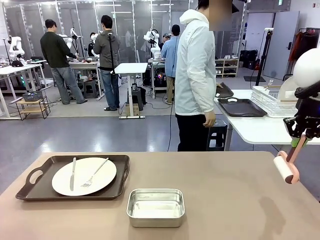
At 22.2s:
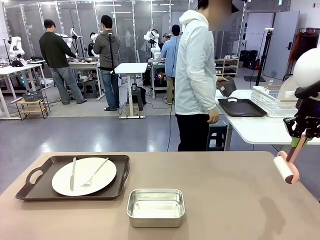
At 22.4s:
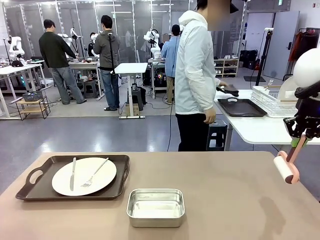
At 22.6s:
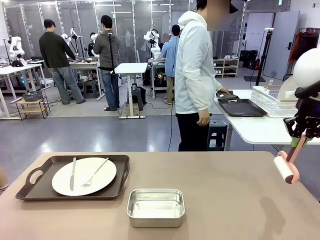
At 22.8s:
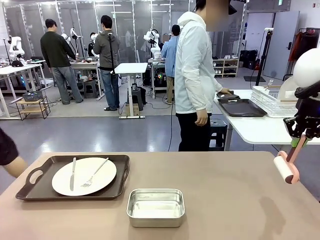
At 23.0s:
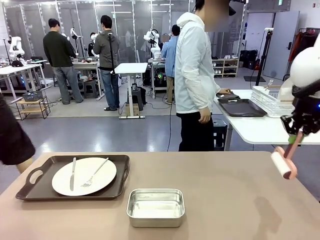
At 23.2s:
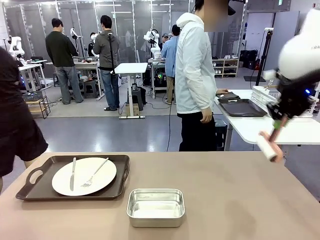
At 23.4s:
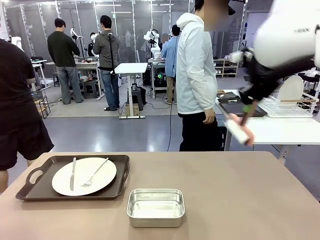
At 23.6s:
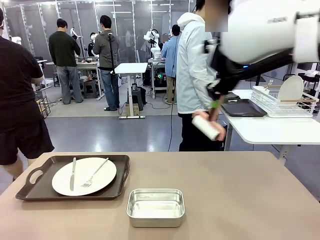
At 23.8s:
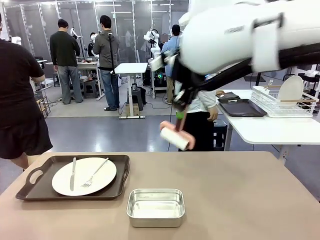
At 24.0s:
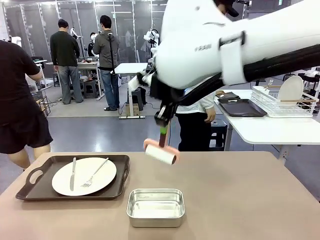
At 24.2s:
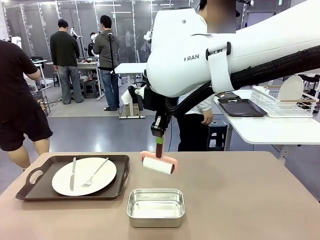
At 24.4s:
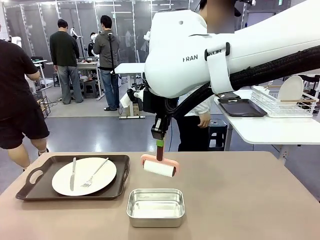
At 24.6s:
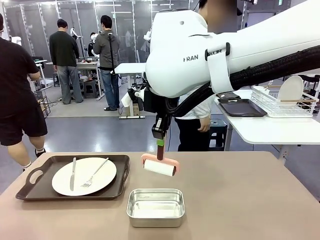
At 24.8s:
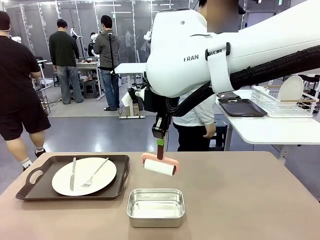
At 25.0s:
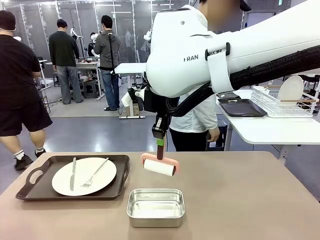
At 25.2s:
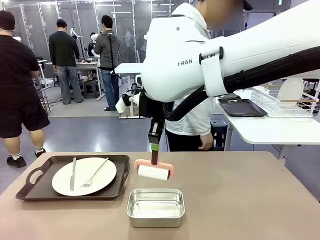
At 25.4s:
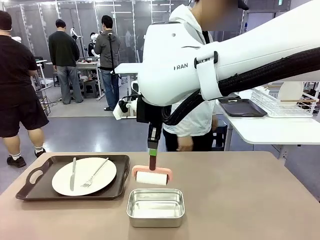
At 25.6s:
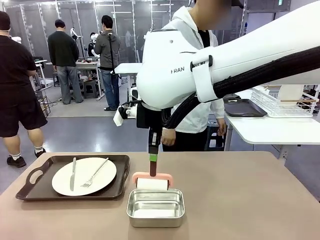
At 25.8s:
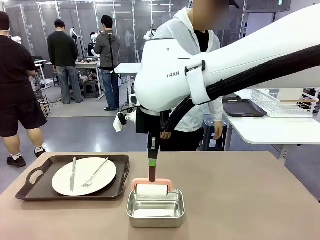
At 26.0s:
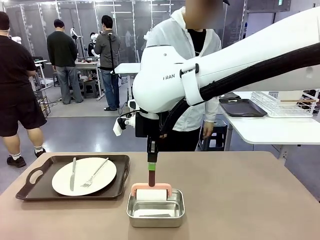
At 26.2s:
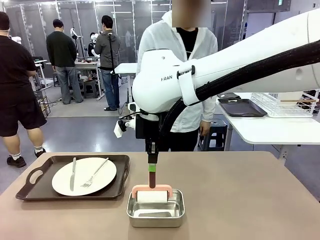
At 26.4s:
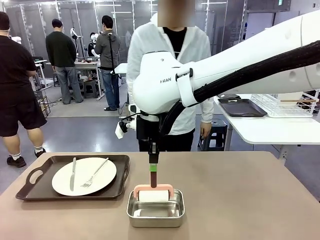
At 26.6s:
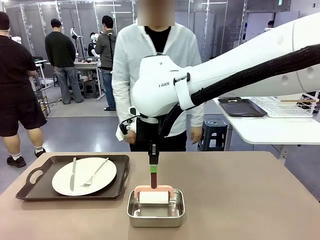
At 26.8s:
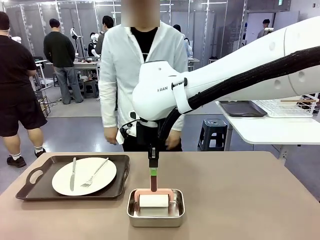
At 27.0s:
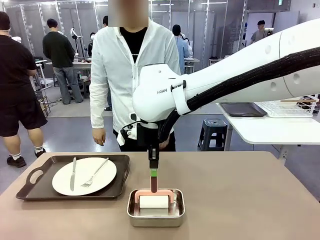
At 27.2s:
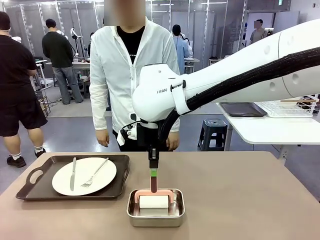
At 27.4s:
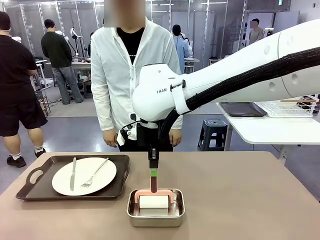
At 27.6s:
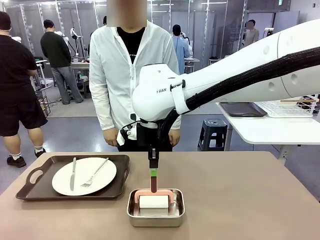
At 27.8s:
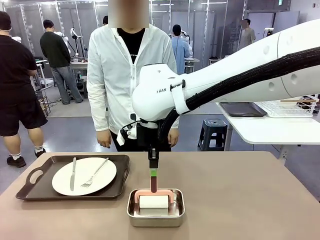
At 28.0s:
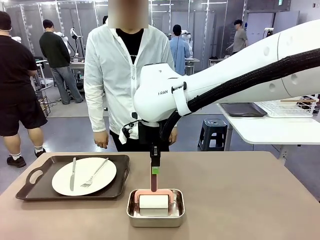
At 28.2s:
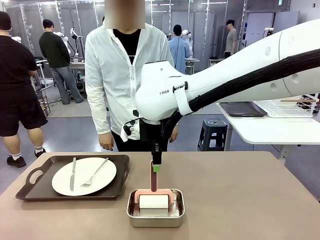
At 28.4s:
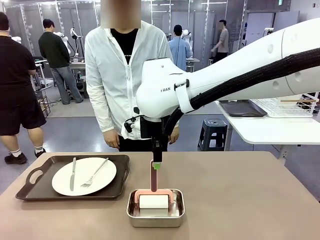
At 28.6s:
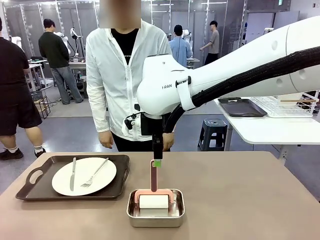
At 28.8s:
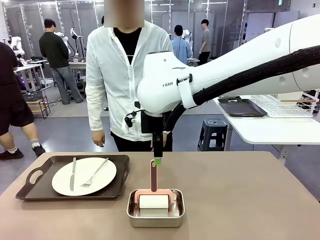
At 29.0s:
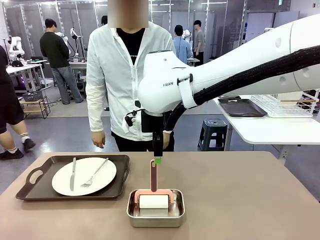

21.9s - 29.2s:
Robot: Place the Lint Roller back on top of the Airtight Container.

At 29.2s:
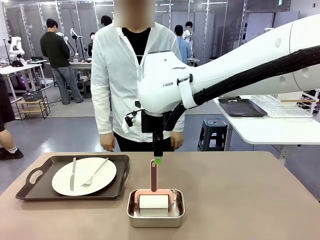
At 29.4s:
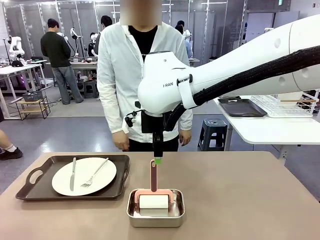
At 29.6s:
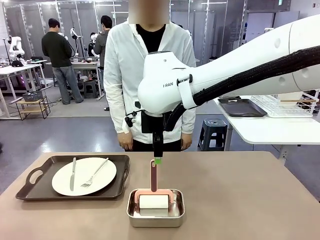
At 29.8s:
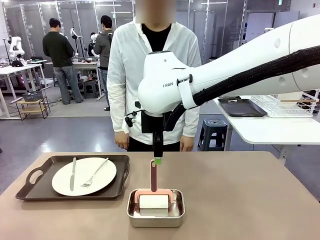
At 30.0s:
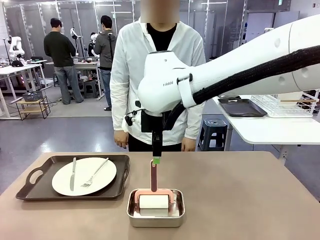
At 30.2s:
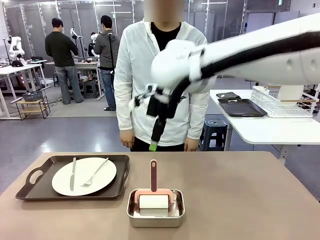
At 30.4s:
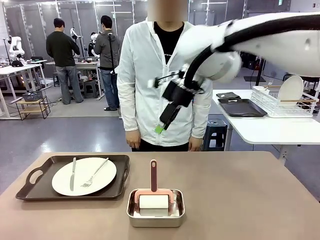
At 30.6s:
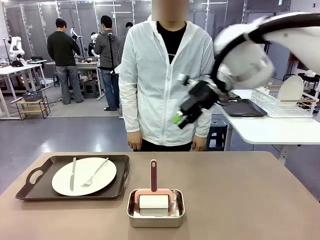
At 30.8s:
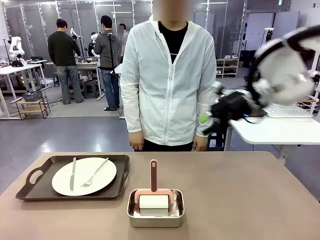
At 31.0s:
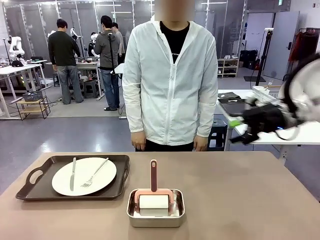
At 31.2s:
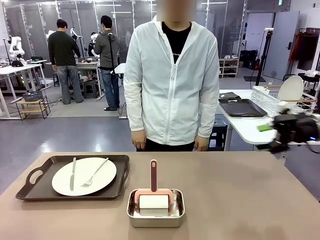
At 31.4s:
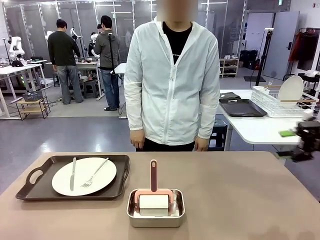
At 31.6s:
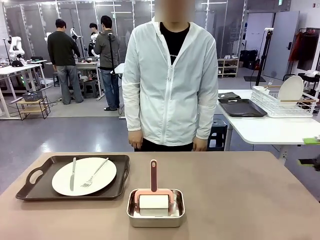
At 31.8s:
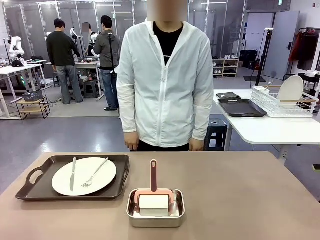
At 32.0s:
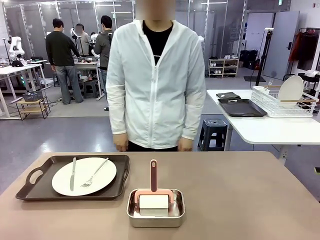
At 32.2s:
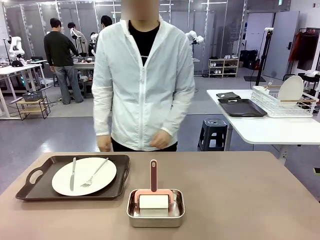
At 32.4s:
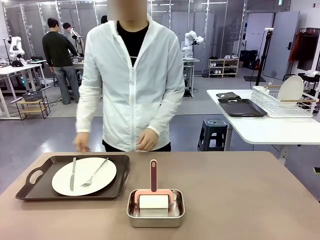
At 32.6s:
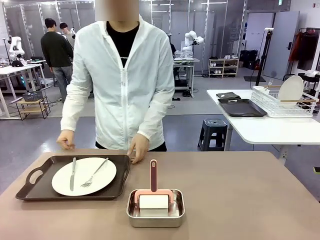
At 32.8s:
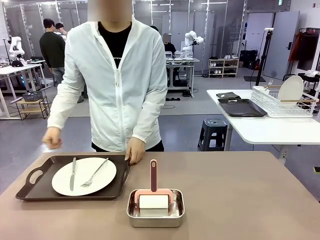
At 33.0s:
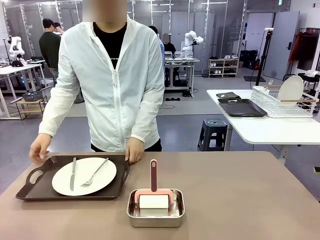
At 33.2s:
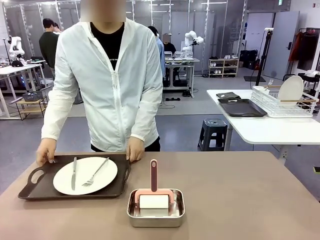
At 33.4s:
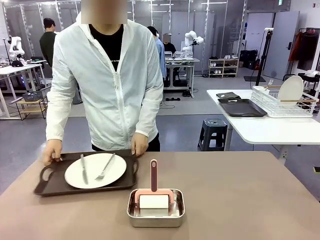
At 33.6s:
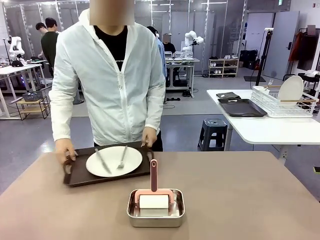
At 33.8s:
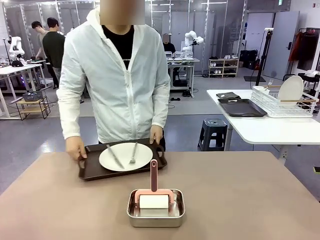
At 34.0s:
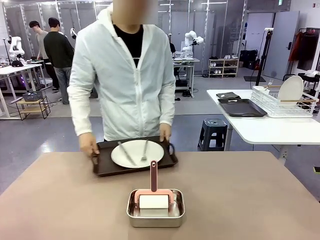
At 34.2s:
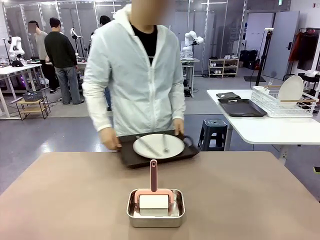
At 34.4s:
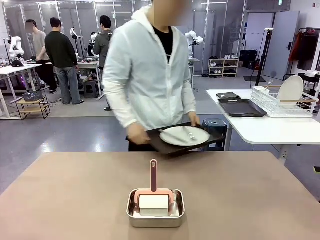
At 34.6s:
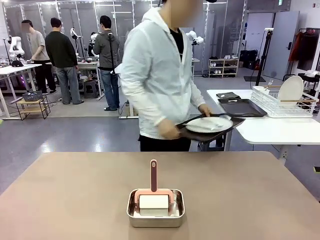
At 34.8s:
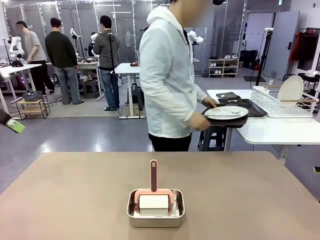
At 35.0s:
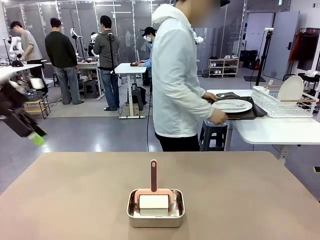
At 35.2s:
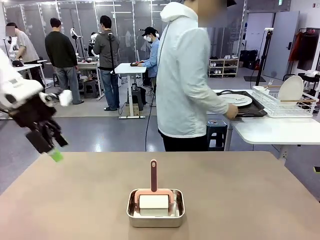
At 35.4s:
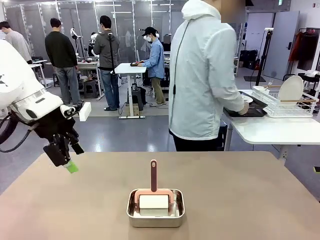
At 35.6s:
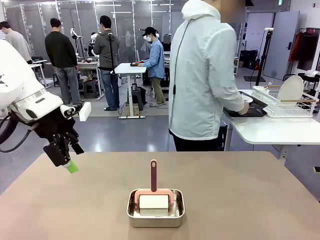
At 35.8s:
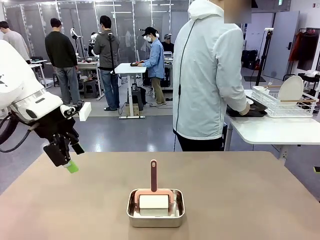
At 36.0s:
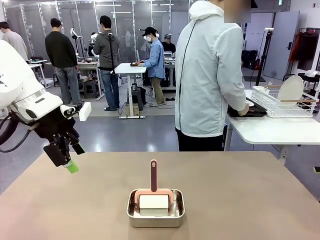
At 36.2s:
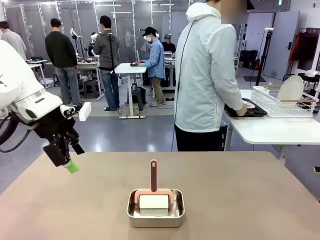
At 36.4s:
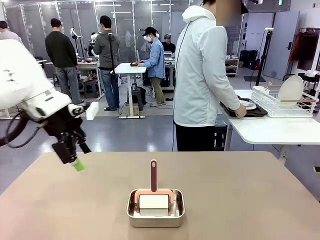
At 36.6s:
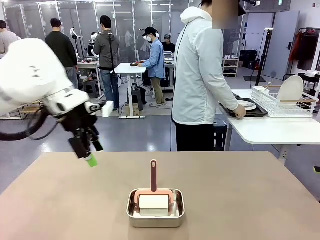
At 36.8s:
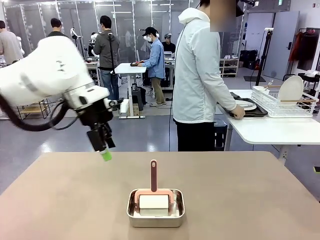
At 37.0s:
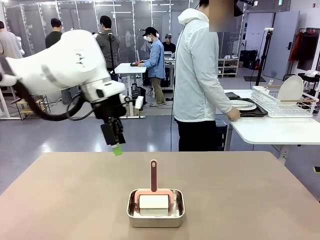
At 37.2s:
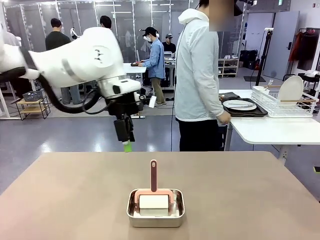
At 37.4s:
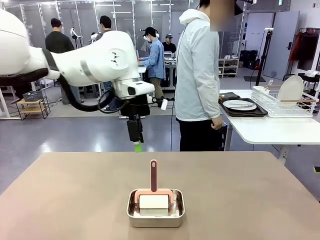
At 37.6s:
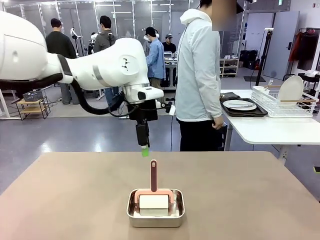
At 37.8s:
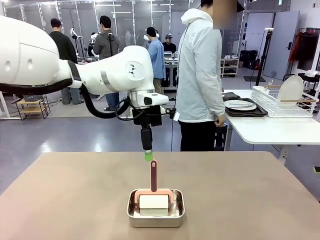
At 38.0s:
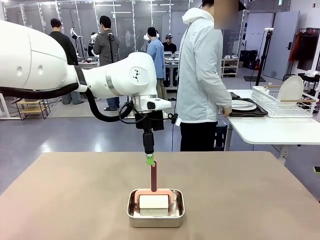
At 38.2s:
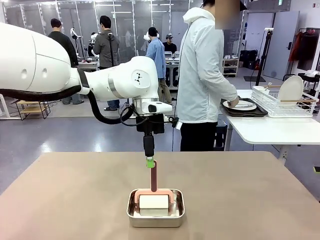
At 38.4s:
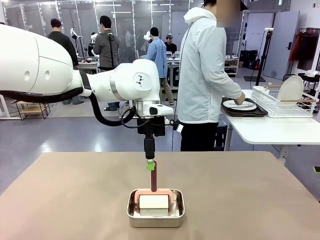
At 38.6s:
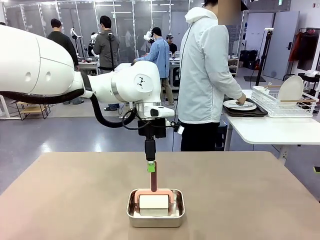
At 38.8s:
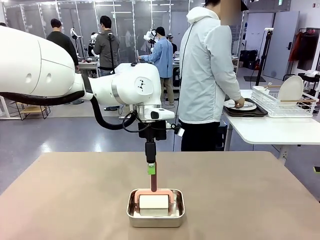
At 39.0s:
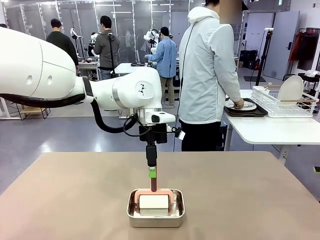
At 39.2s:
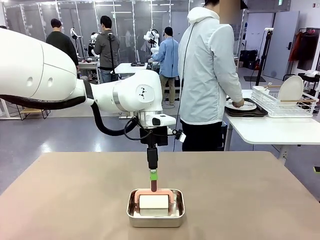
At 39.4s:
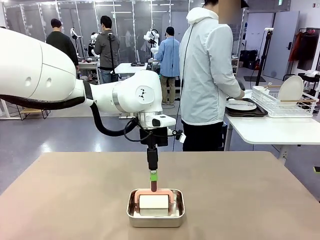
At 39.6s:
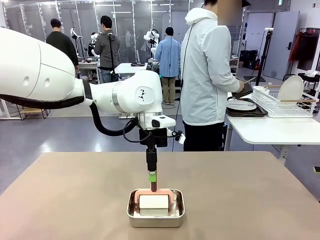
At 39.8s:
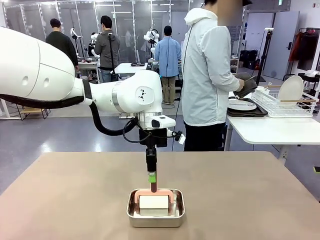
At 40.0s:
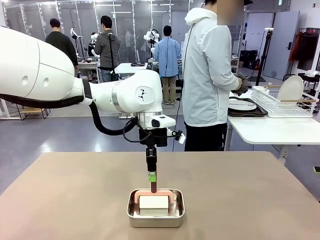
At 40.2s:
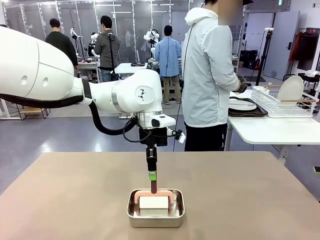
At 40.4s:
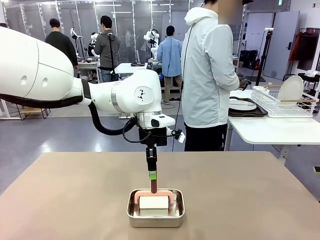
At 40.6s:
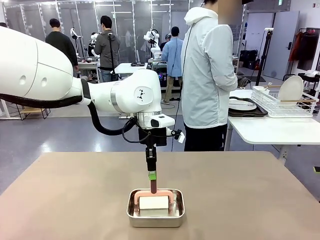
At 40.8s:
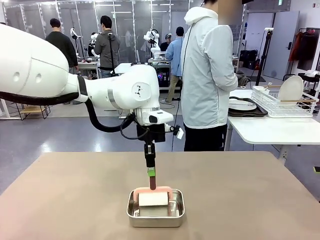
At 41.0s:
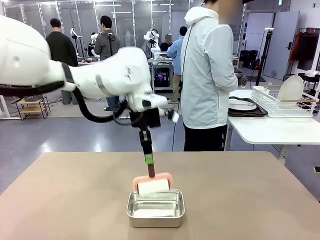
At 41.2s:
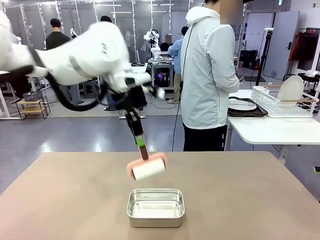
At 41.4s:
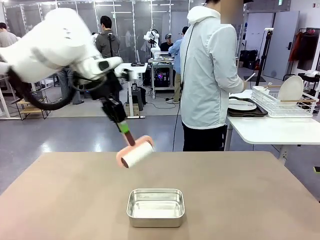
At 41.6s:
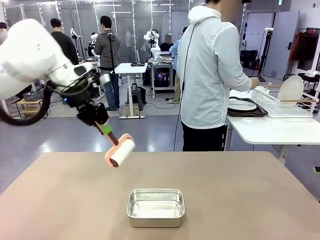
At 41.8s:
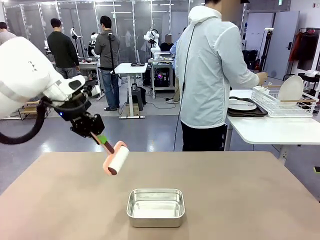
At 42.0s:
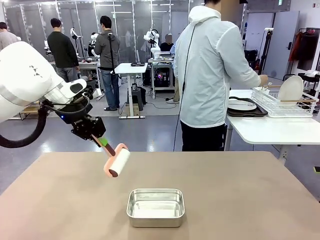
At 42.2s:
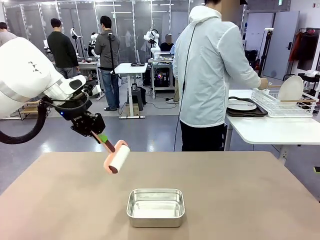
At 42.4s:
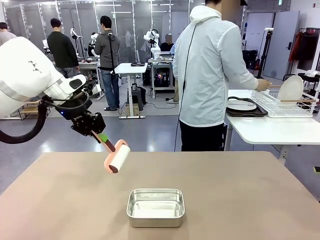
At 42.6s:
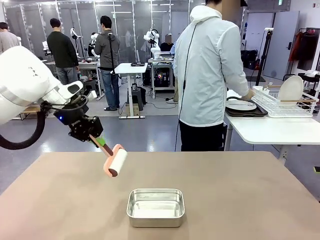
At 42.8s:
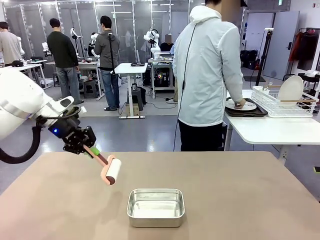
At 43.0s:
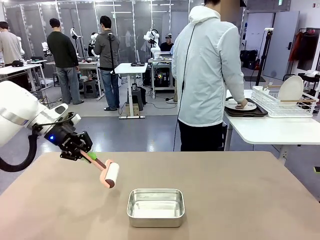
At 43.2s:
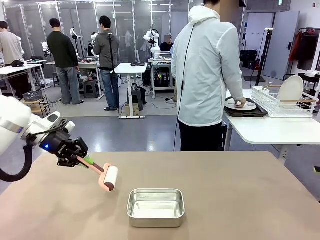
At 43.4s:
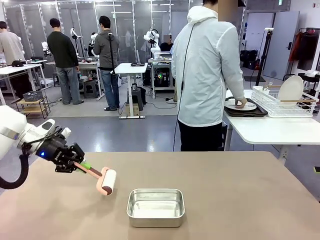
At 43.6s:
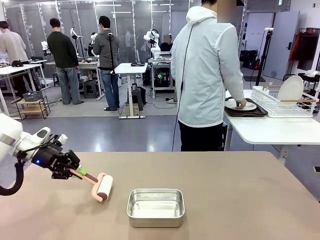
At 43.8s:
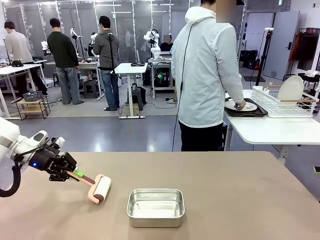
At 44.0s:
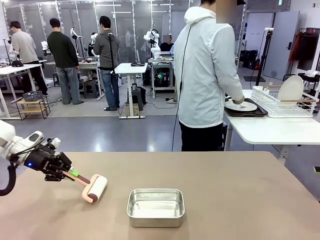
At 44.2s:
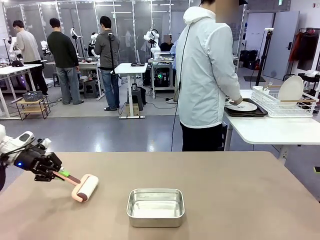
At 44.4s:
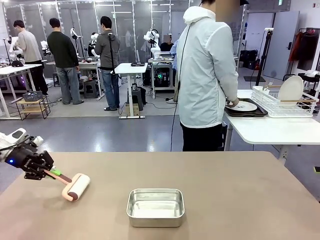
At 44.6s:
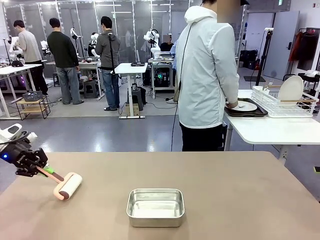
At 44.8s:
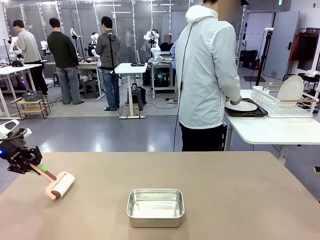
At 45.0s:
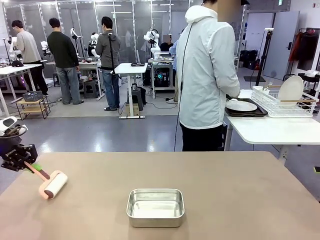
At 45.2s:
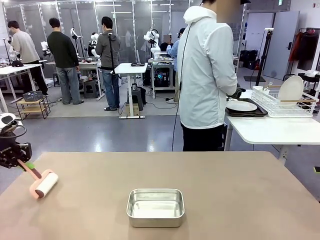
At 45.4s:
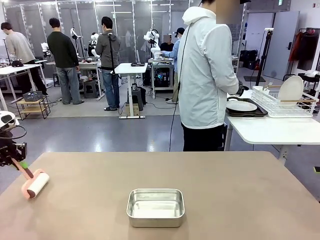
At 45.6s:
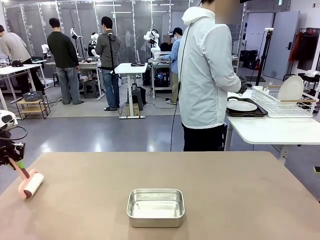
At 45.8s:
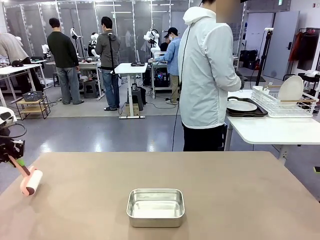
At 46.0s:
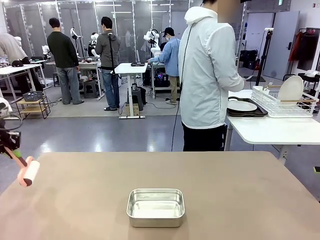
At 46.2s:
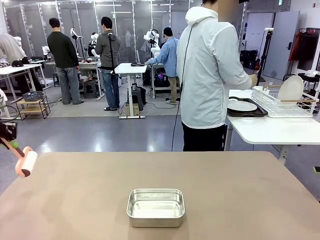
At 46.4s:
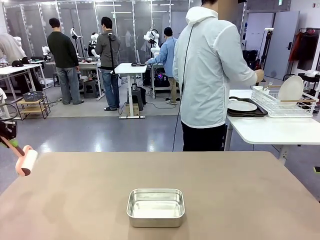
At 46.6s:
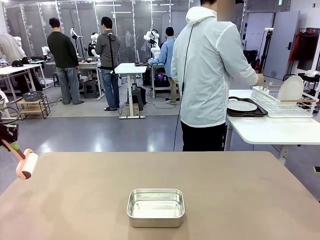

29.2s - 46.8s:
Robot: When the right (or left) Handle tray is removed, use the right hand (or left hand) to clean the right (or left) side of the table with the Lint Roller.
Person: Pick up the left (or right) Handle tray and place it on the Handle tray.
